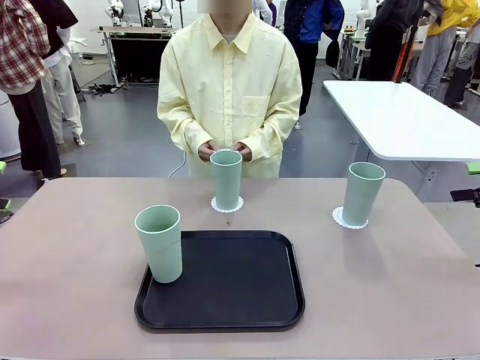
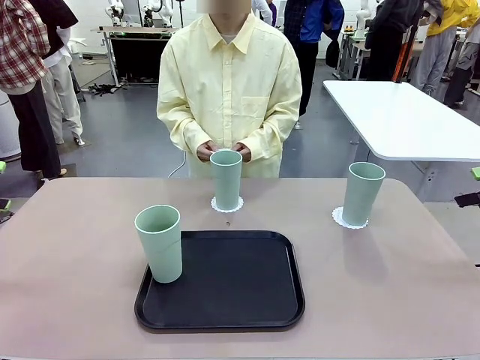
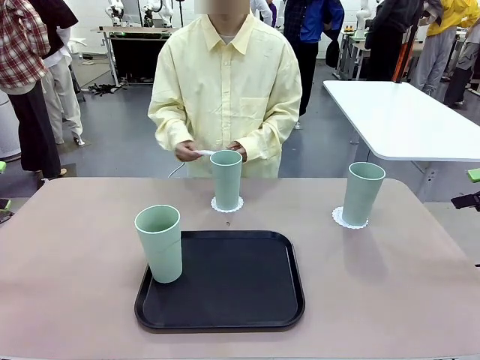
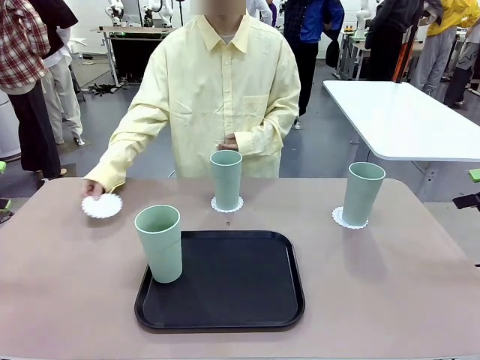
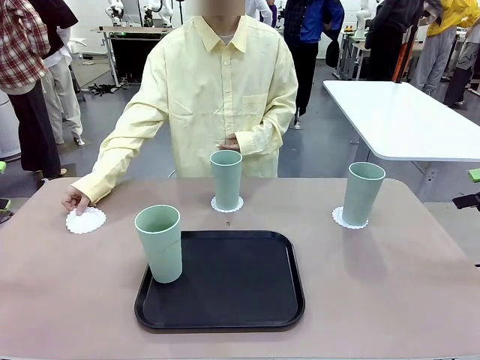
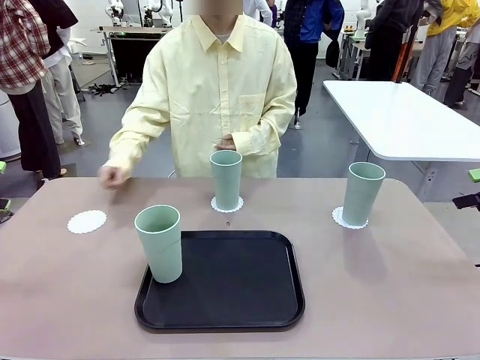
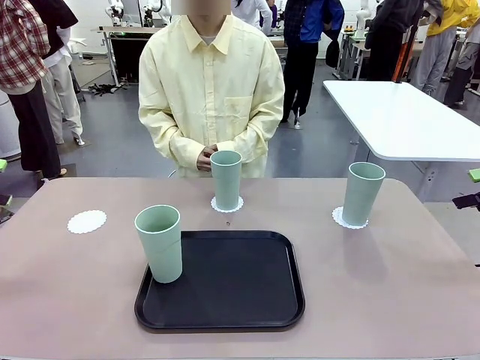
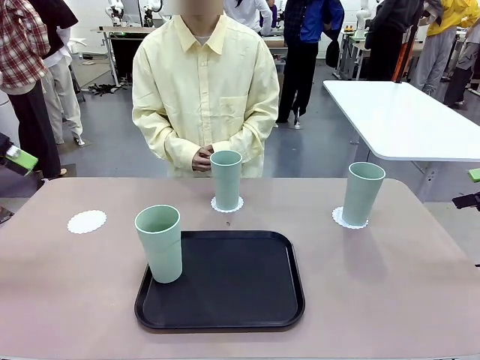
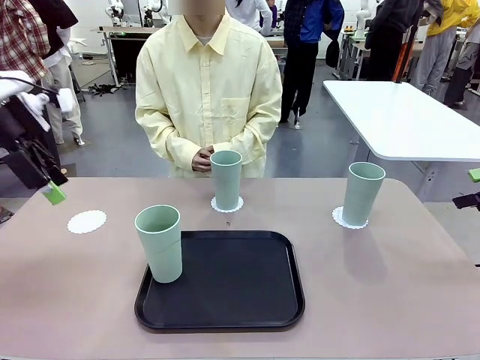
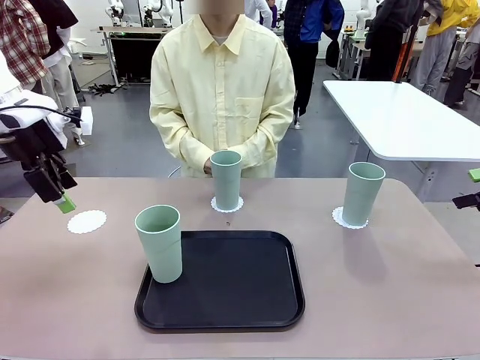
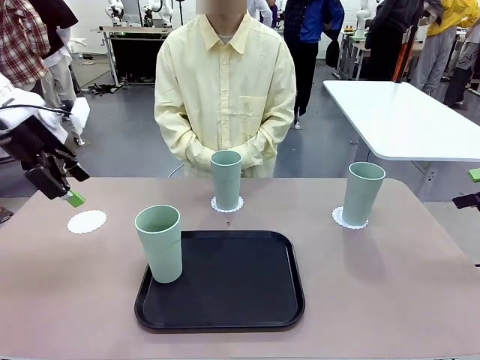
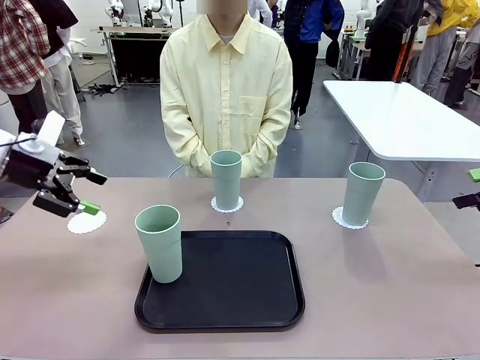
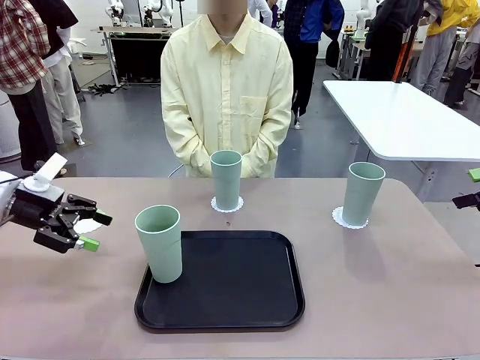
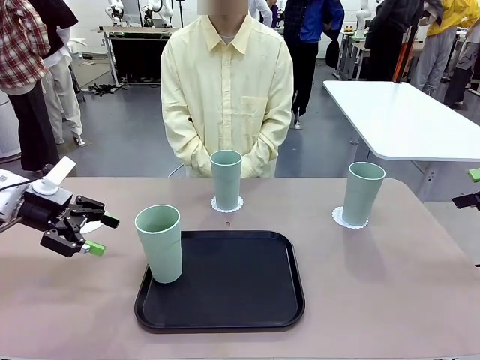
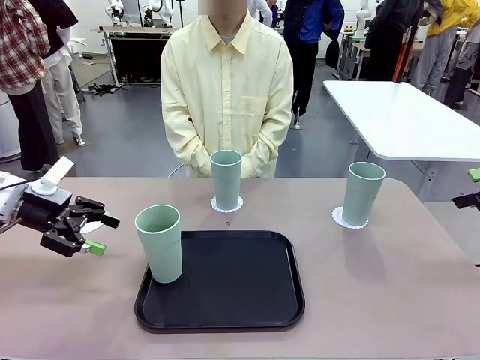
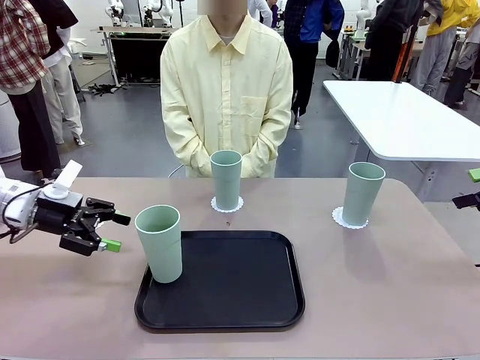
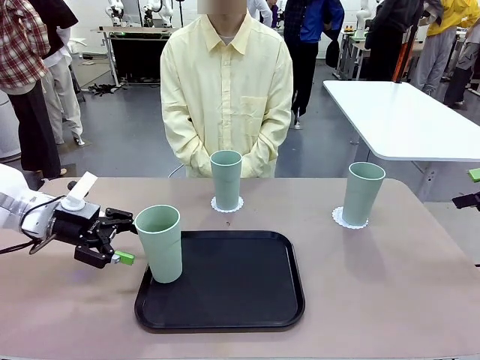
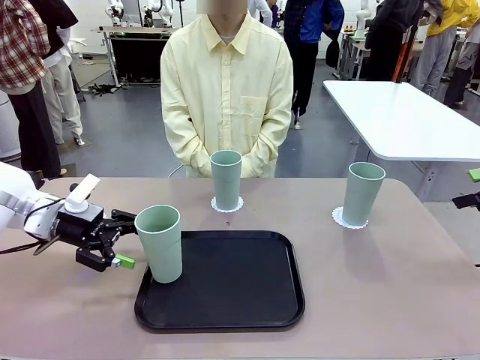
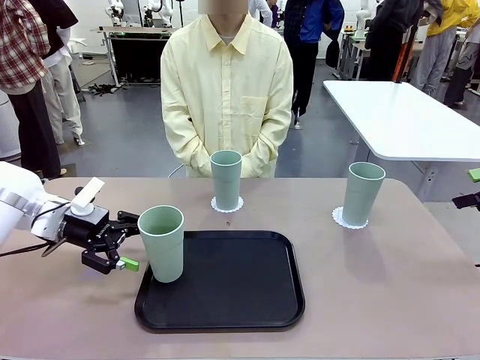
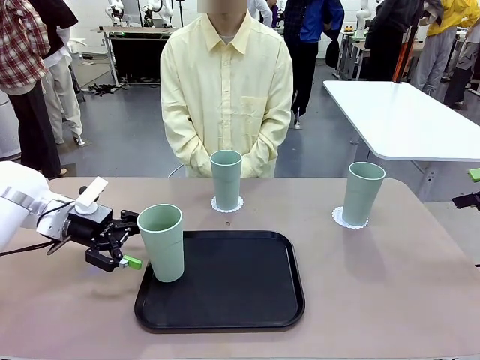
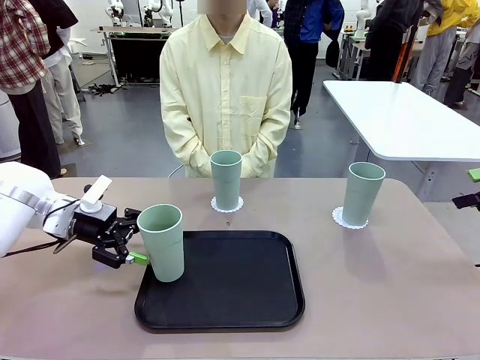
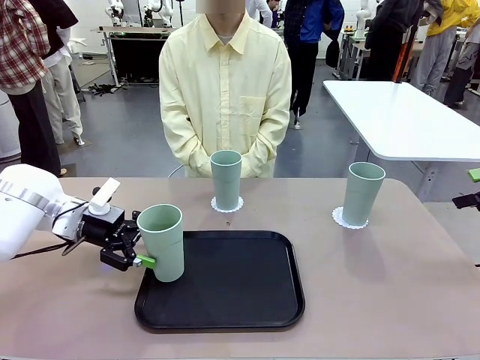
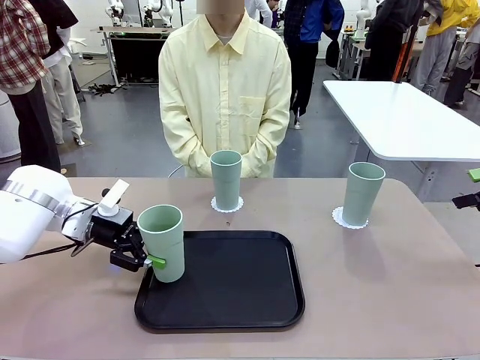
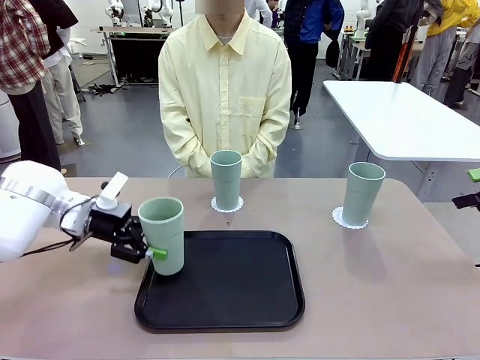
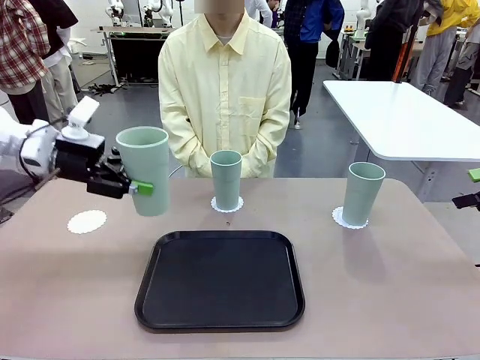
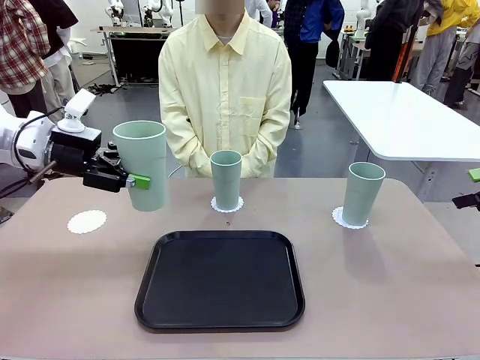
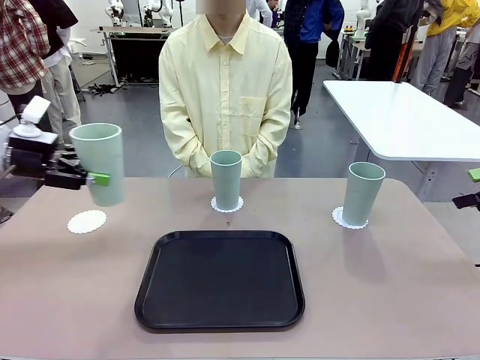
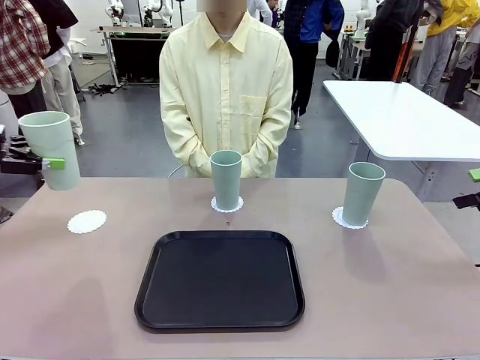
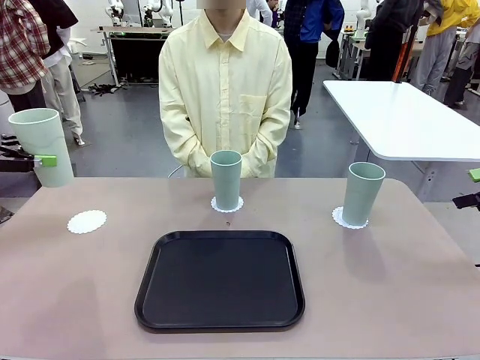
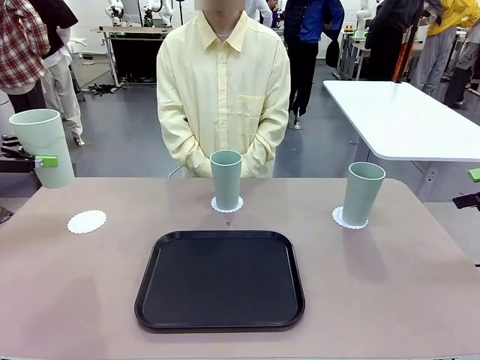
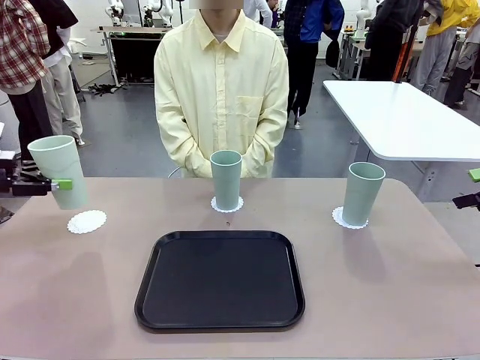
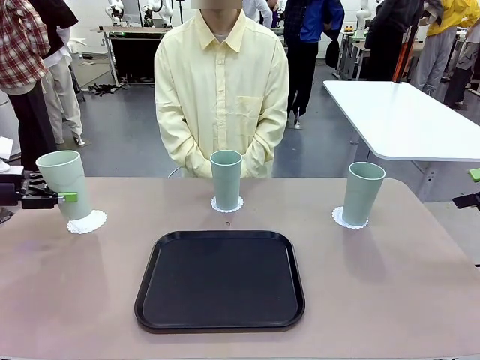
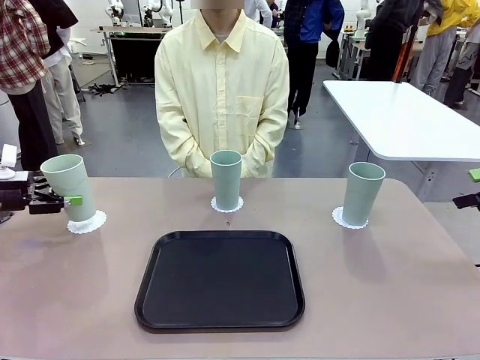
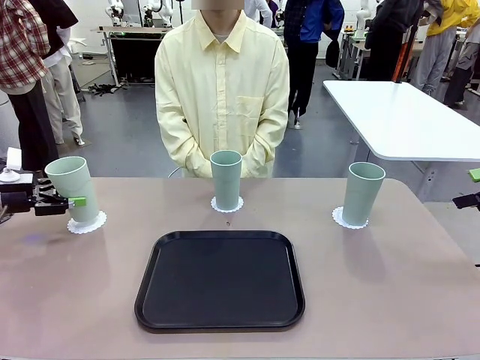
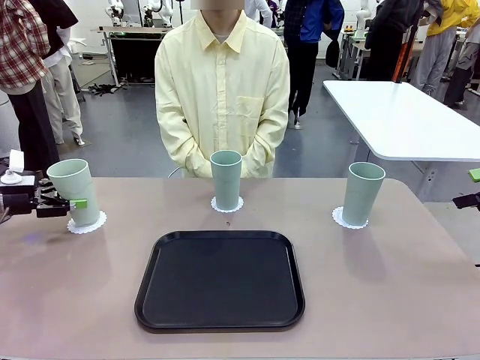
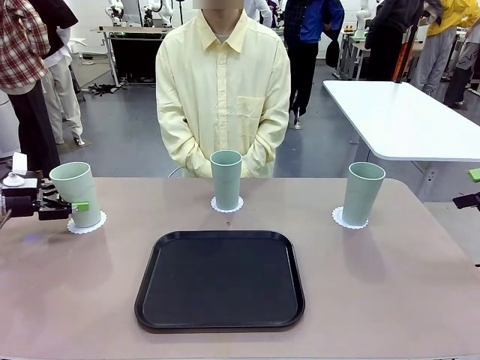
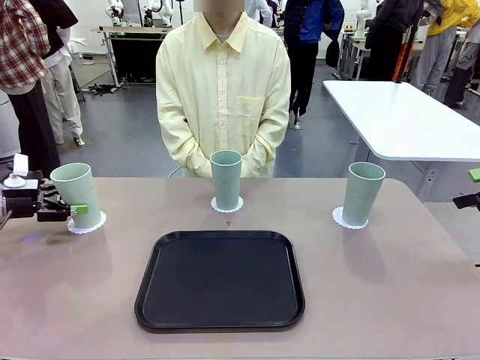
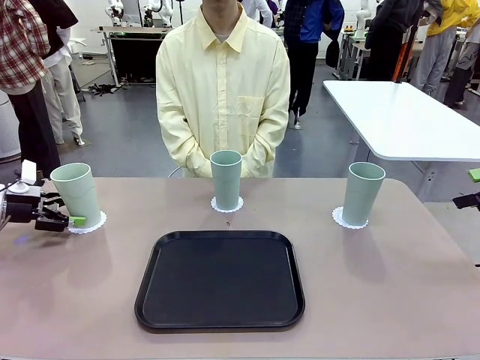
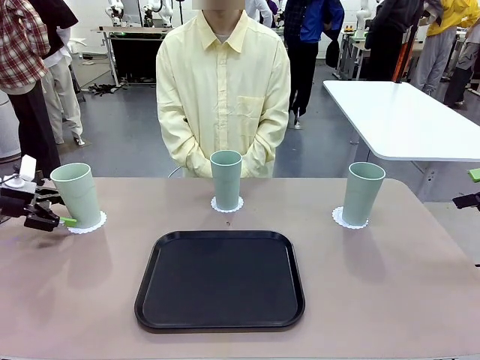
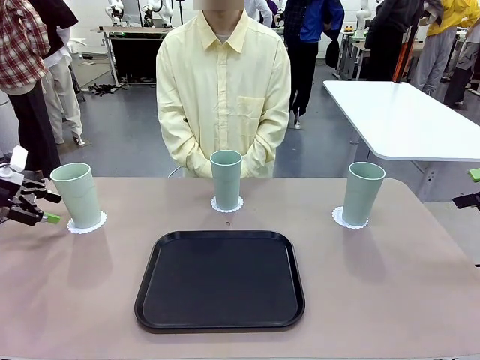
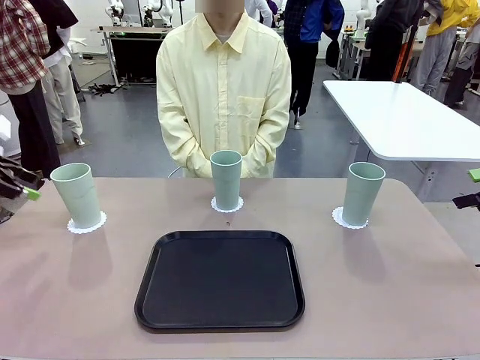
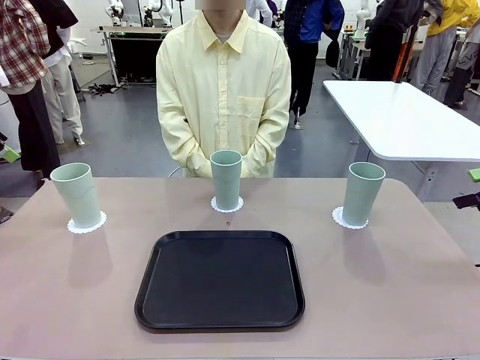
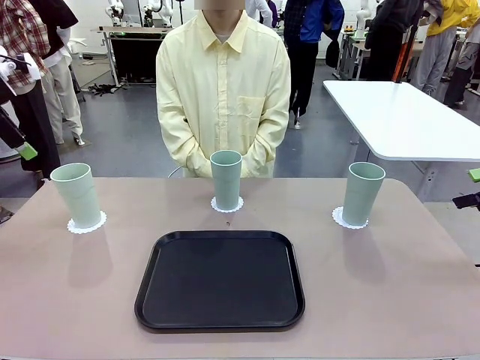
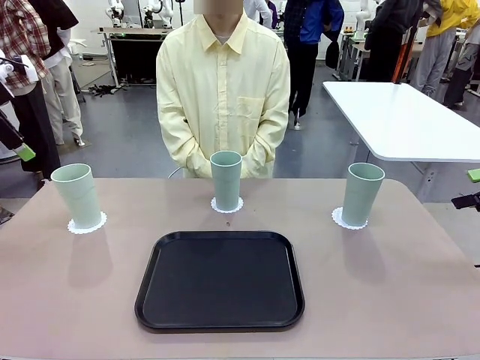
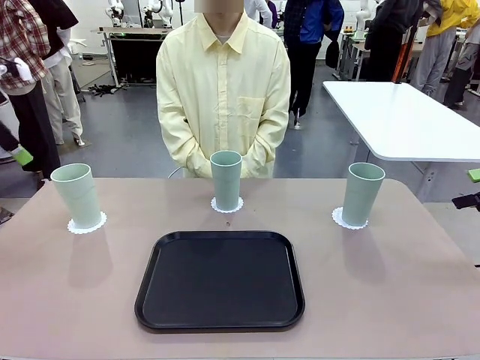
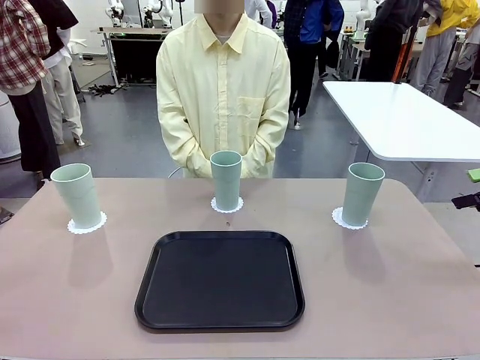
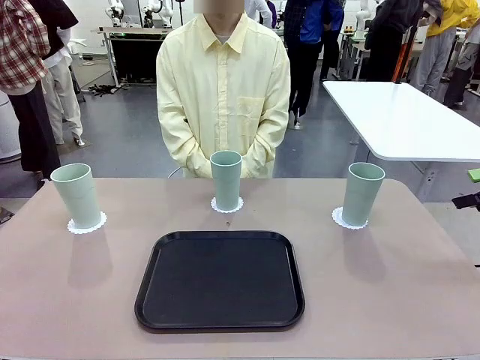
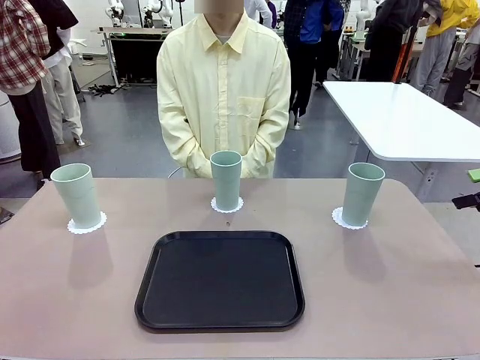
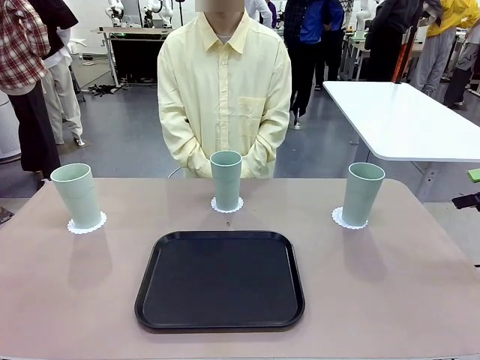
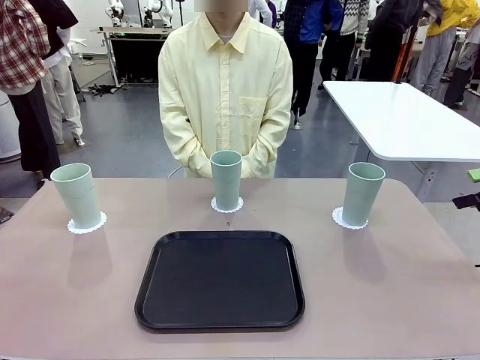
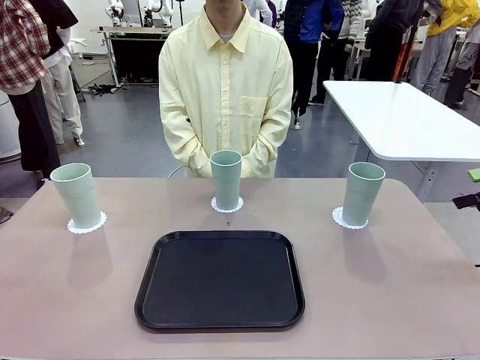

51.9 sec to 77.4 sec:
Task: Place coasters on the table and set cups on them.
Robot: Take one Reusable plastic cup from the Flat Tray and place it on a coaster set by the human.
Person: Place one coaster in the only remaining area.
